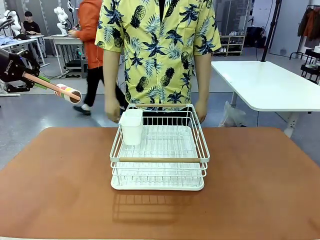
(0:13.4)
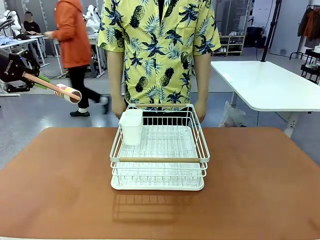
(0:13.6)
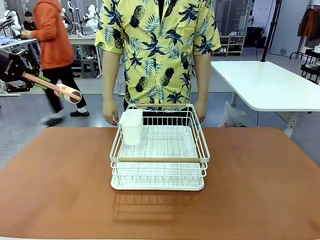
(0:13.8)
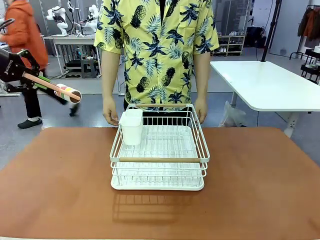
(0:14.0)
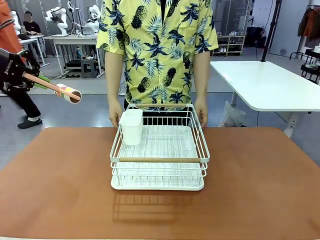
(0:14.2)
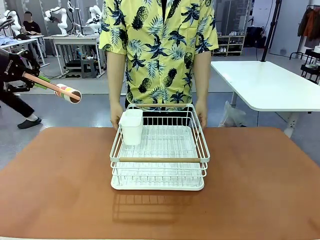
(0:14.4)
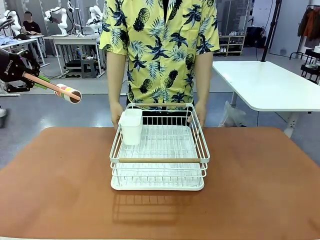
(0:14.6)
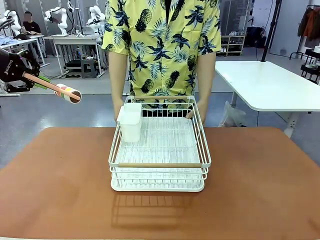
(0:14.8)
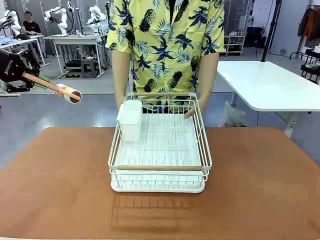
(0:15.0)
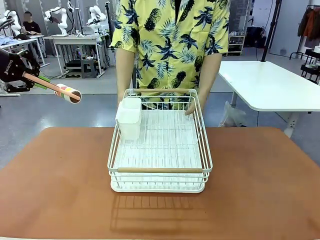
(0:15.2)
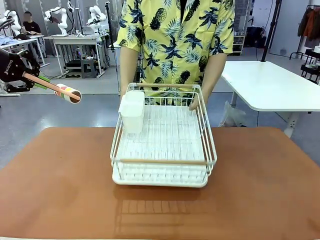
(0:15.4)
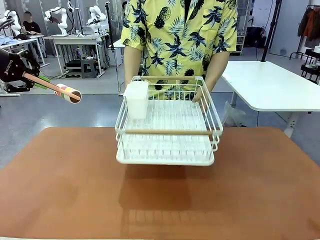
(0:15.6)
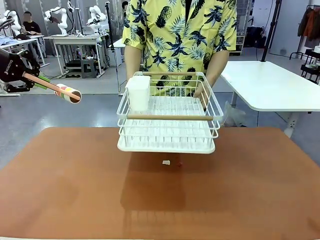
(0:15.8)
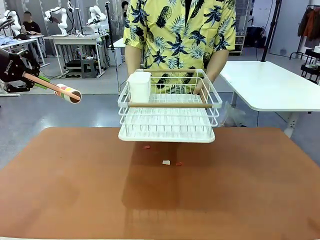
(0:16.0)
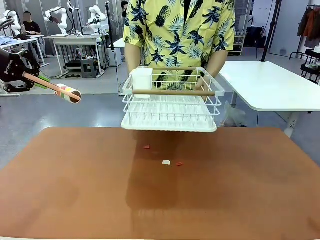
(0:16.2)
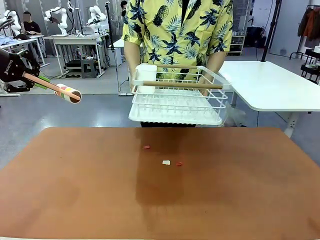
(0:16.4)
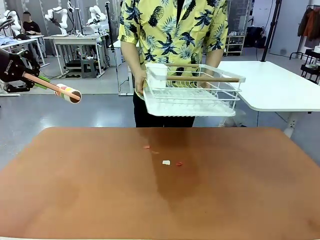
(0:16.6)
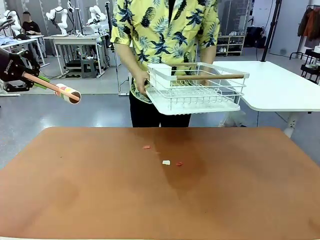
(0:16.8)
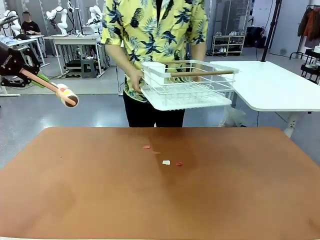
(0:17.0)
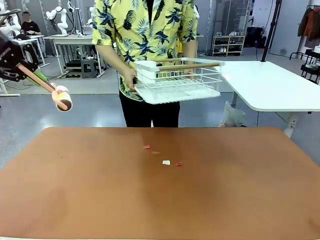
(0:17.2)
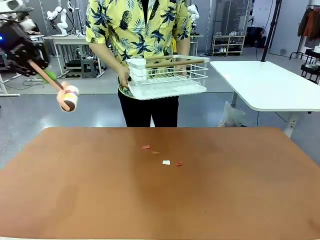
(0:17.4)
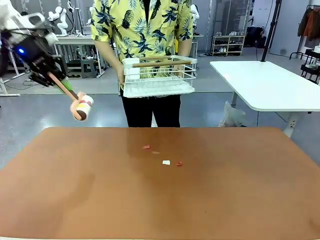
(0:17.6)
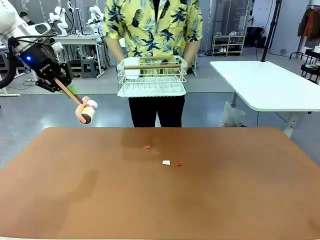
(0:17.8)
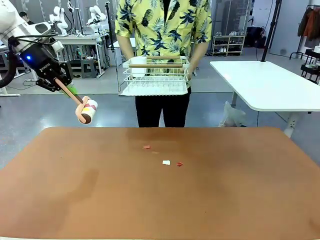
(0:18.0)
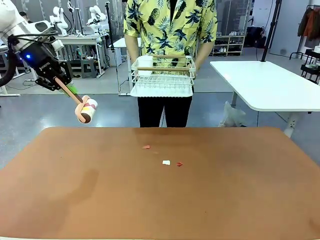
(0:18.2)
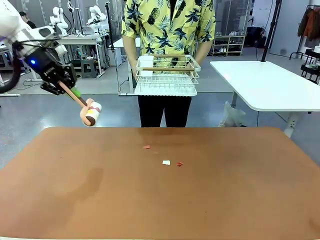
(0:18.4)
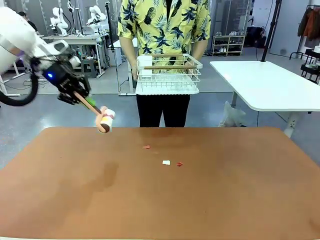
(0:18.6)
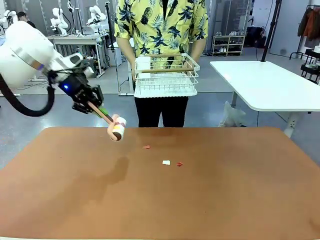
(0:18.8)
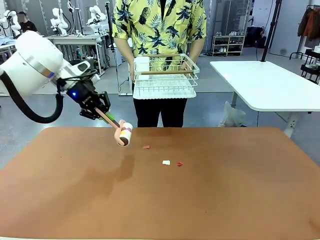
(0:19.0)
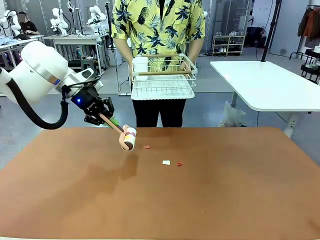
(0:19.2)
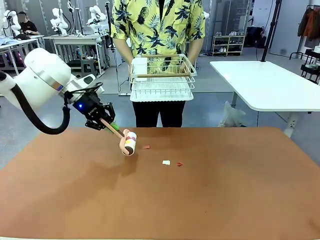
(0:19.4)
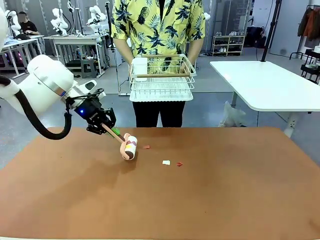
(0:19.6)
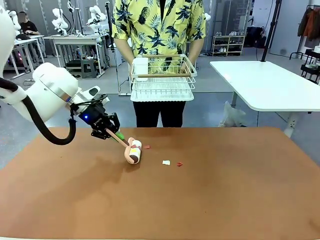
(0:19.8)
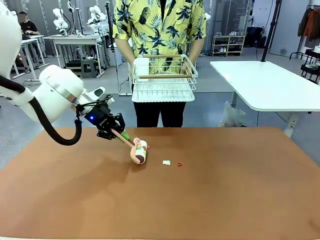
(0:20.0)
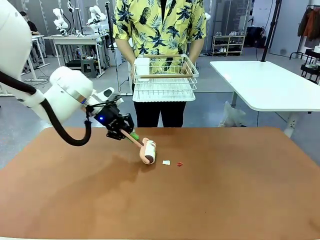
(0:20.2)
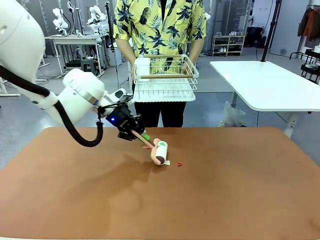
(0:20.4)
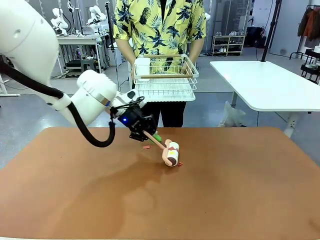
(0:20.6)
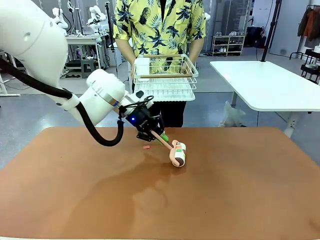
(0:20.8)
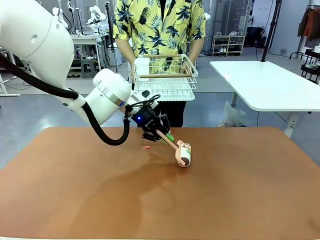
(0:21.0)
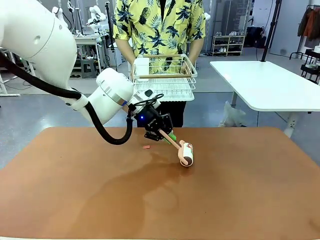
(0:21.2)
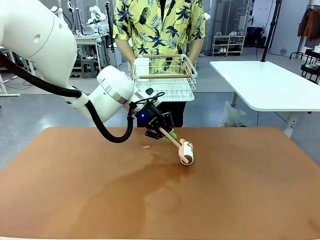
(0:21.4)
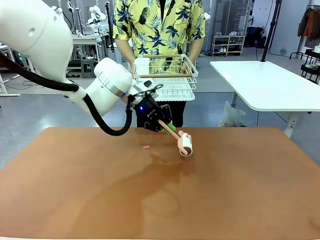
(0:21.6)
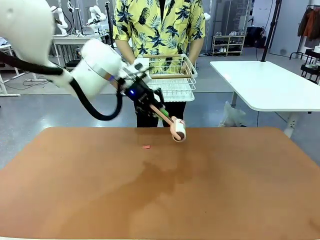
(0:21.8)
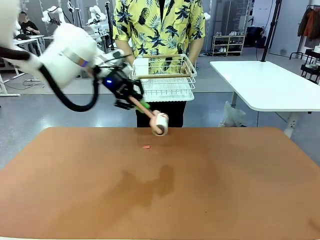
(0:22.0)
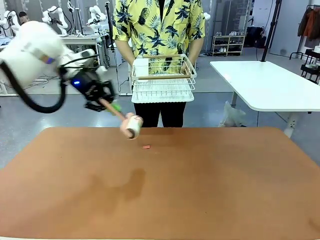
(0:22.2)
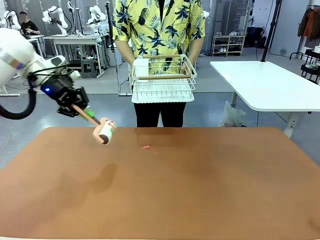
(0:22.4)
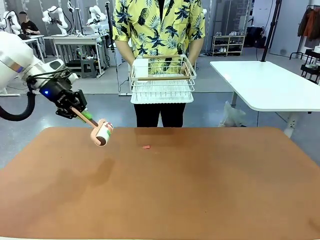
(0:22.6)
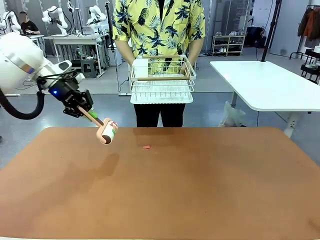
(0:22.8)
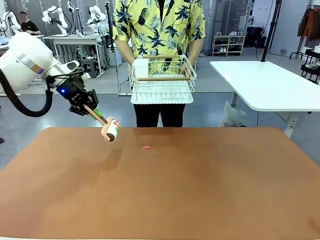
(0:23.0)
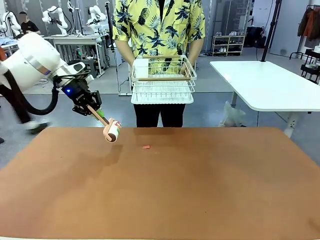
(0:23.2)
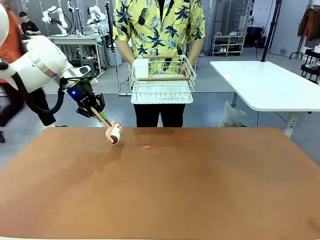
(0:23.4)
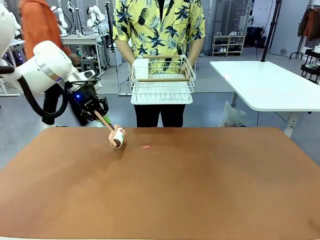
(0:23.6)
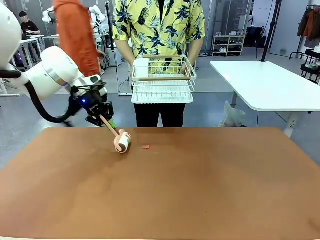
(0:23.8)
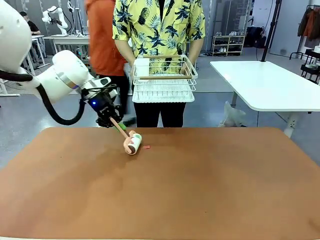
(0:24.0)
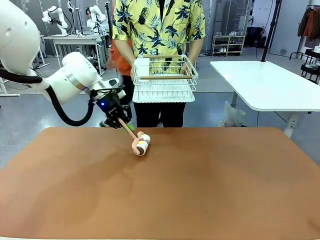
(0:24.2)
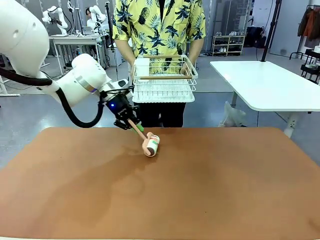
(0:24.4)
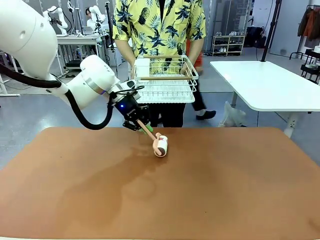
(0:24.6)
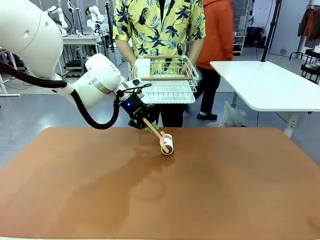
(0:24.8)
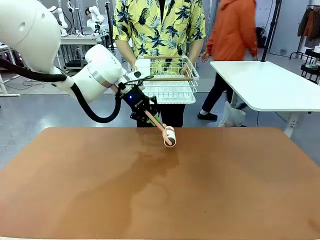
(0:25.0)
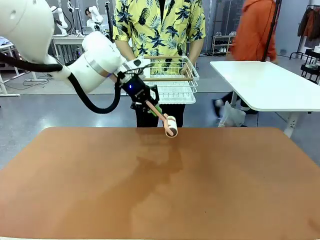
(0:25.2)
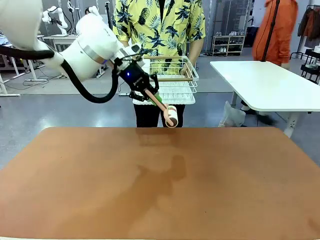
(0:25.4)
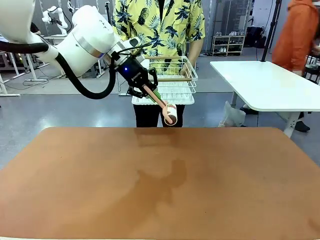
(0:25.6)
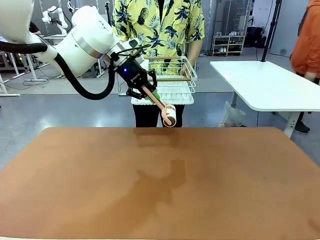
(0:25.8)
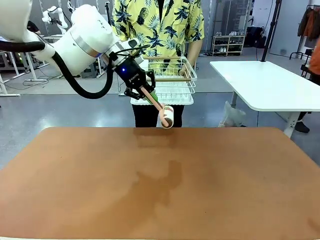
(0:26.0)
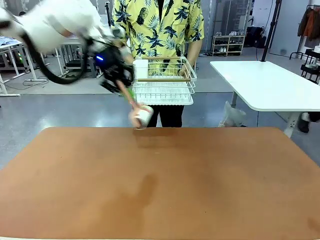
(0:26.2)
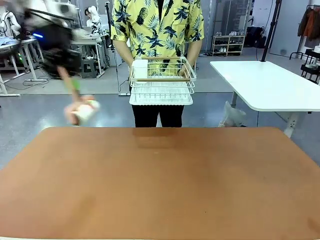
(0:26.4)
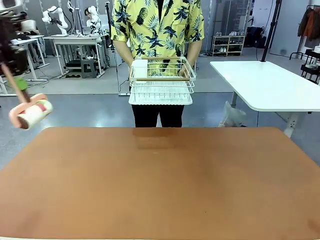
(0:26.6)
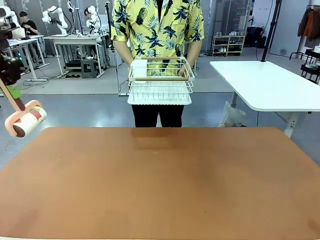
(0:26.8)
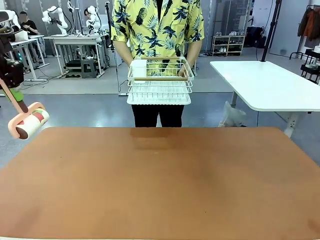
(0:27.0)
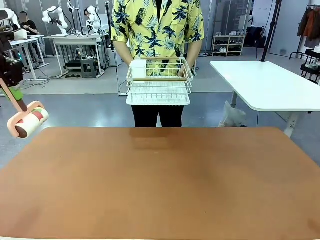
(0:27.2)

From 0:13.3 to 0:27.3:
Task: Clean the table.
Robot: Clean the table with the Lint Roller when the human lifts the Dish drying rack.
Person: Place the Dish drying rack down when the robot finishes cleaning.

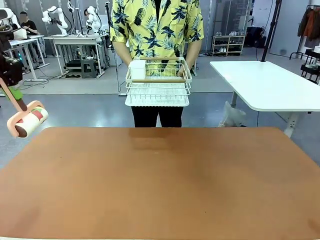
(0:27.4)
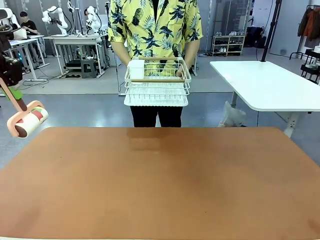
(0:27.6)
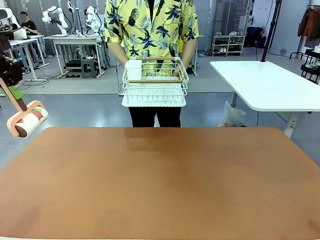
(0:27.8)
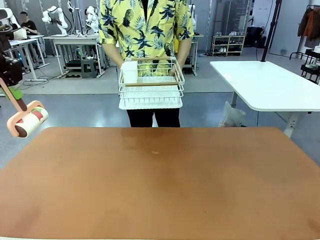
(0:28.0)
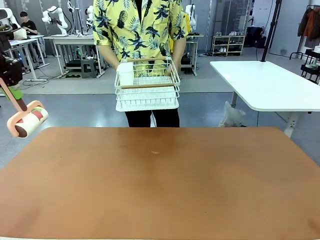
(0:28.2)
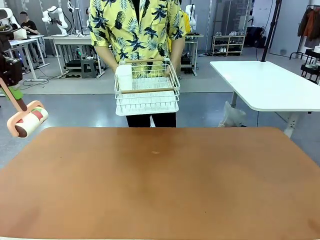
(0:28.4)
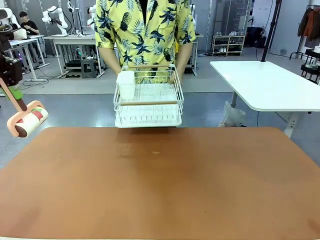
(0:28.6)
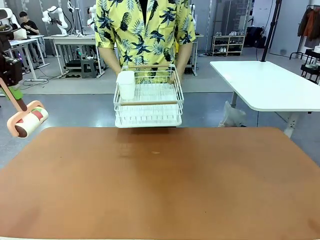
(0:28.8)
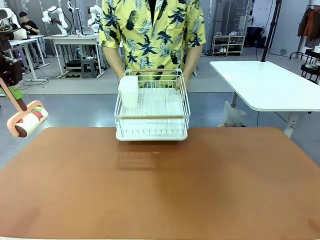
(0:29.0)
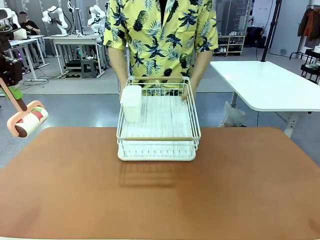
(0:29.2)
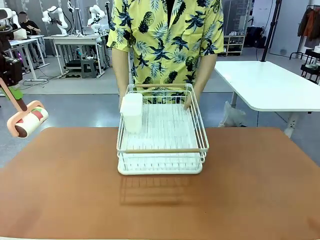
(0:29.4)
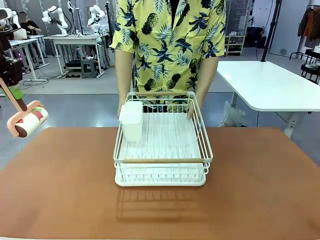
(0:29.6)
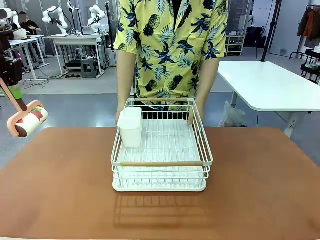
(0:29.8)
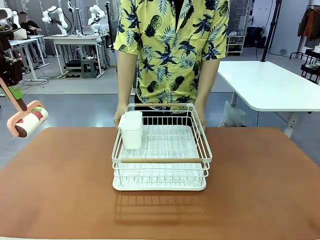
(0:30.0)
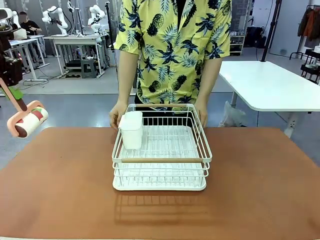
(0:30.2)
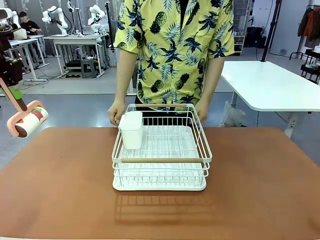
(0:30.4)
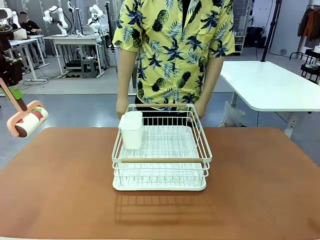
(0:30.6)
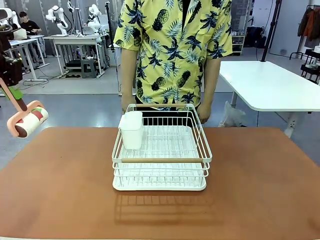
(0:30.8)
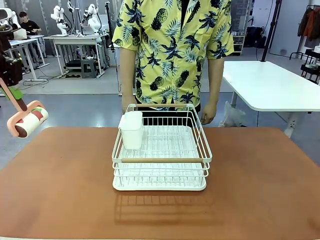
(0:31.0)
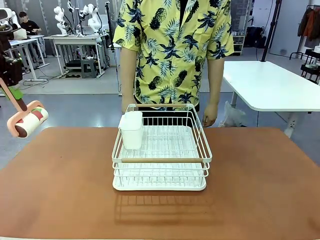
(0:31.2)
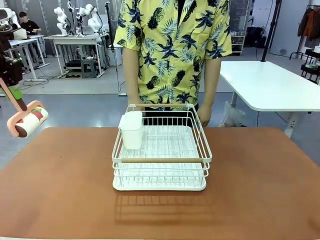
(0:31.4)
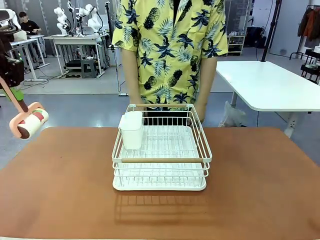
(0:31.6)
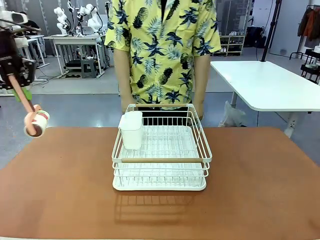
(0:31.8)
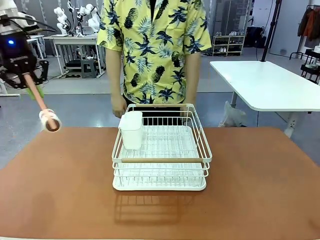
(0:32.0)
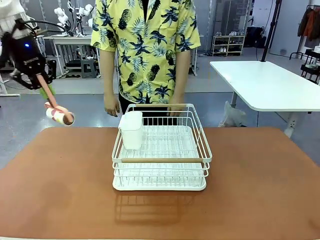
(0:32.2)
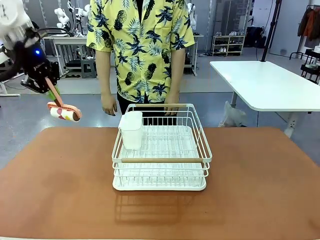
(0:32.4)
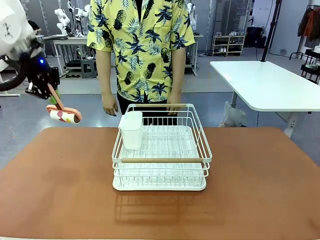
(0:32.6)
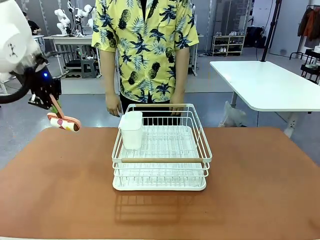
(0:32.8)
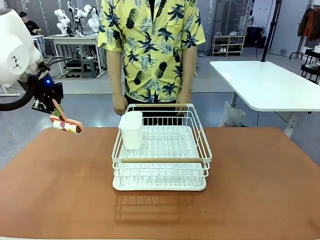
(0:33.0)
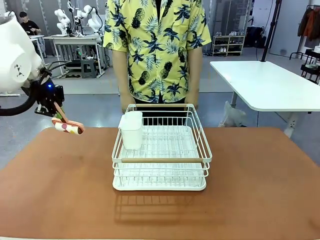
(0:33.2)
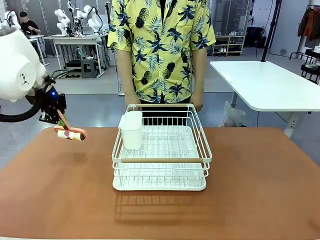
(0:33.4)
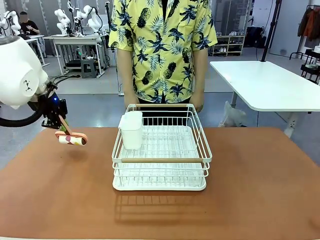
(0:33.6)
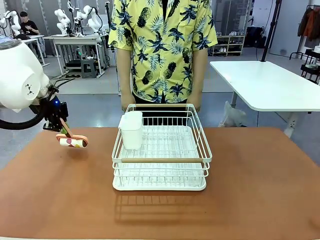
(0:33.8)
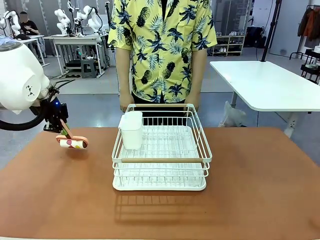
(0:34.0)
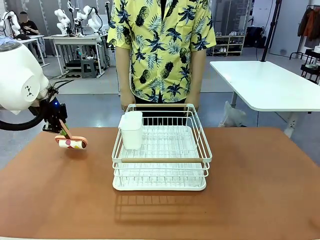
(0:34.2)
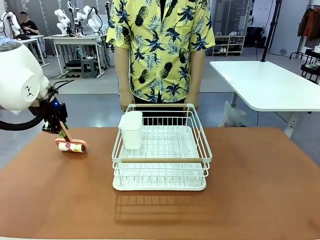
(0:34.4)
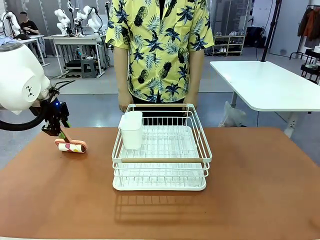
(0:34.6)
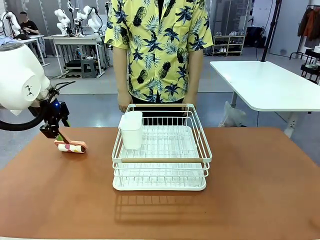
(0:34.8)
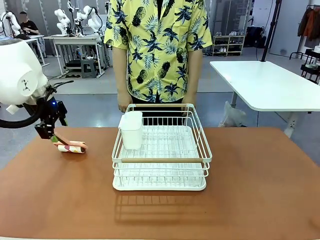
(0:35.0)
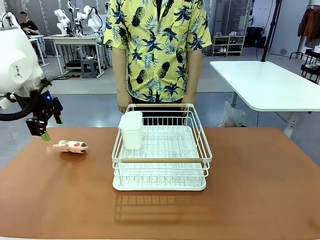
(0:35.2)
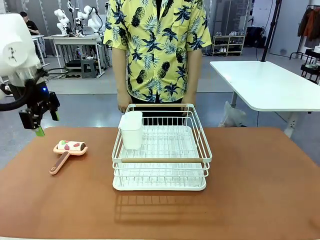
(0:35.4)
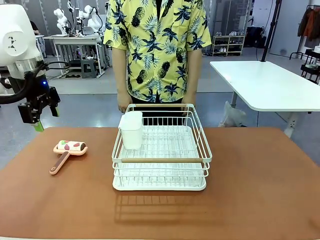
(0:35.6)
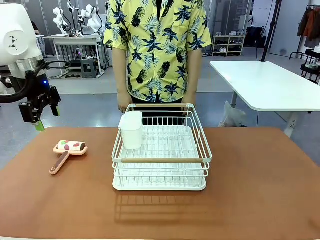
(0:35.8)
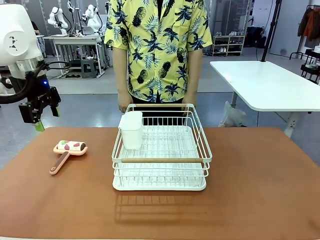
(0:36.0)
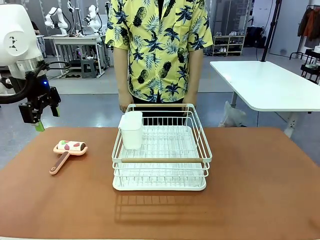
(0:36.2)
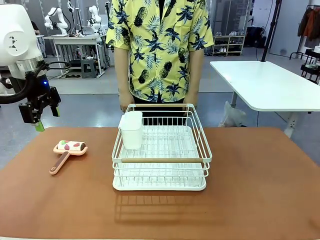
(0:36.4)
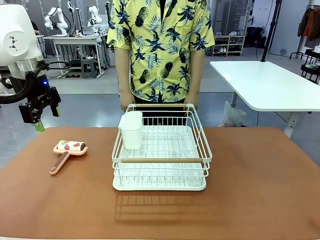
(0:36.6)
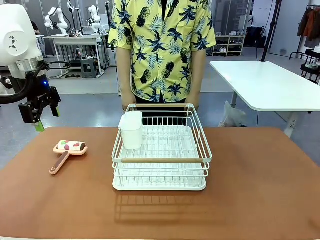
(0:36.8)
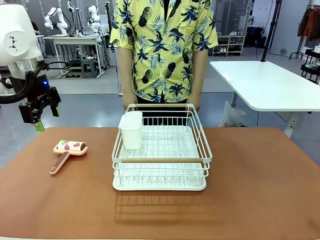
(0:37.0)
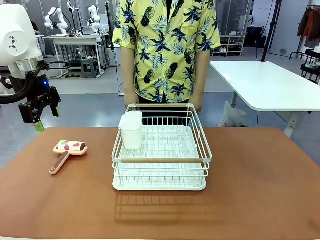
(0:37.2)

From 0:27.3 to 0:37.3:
Robot: Place the Lint Roller down when the Dish drying rack is positioned in the middle of the table.
